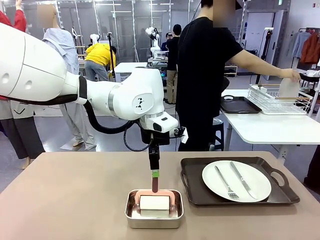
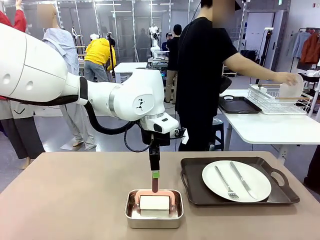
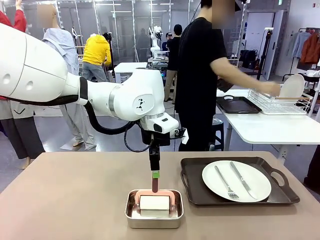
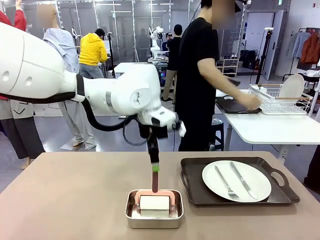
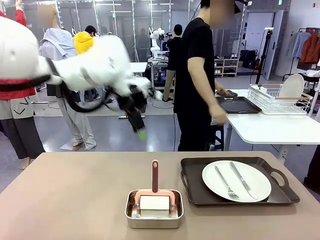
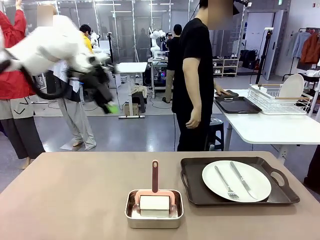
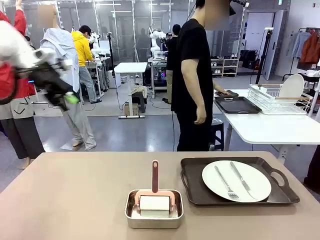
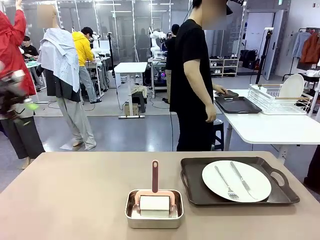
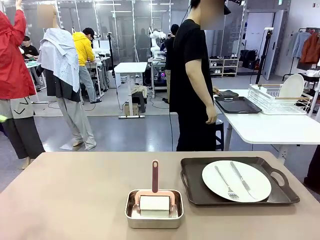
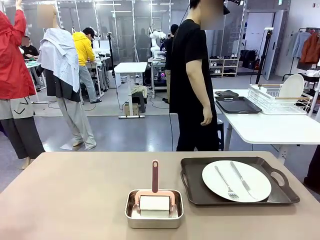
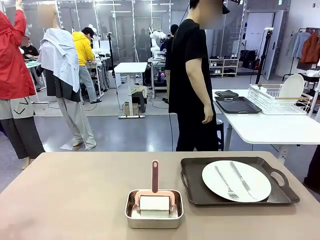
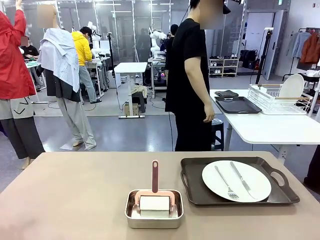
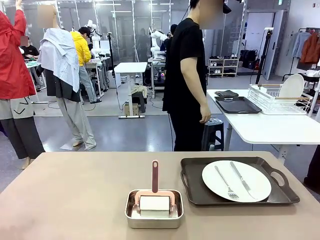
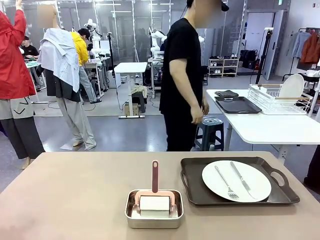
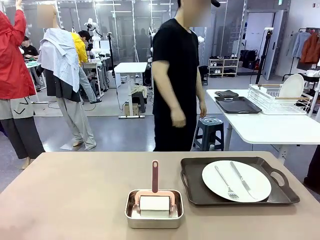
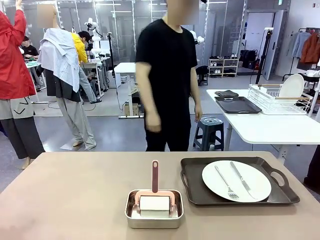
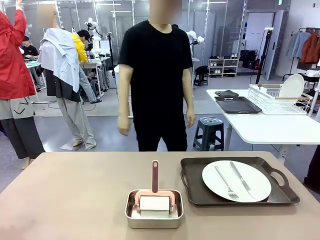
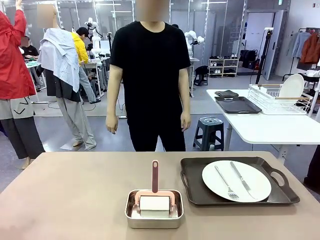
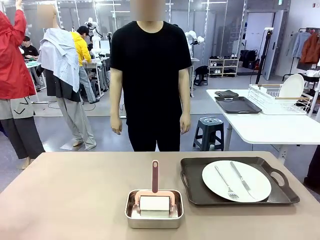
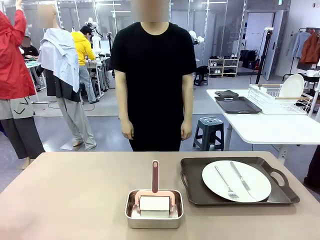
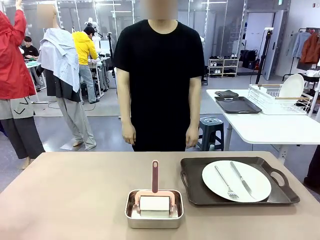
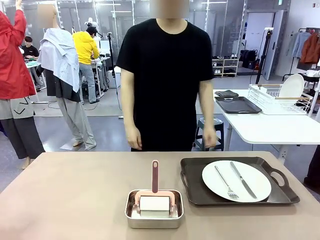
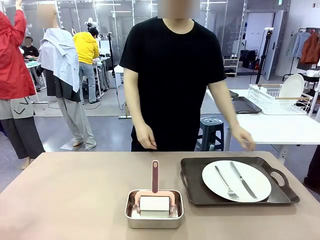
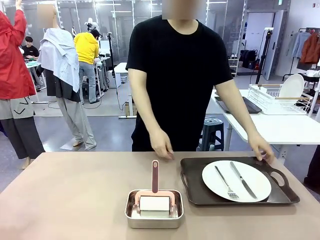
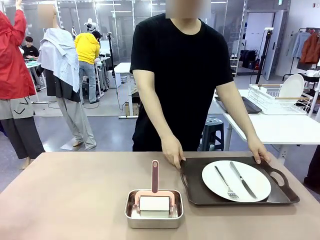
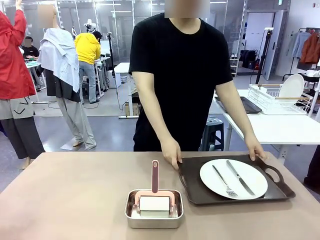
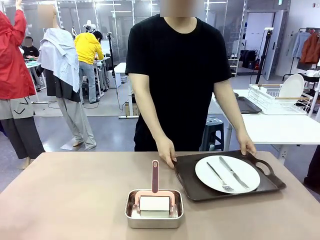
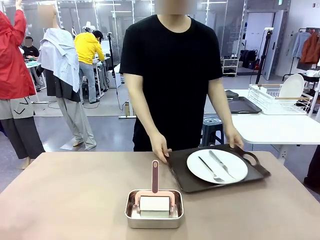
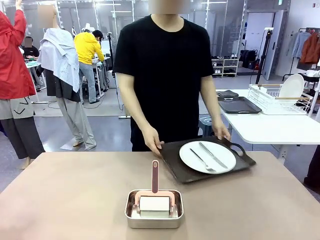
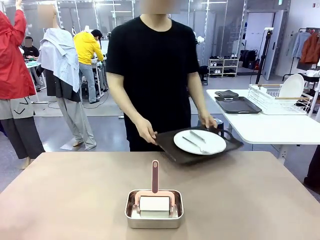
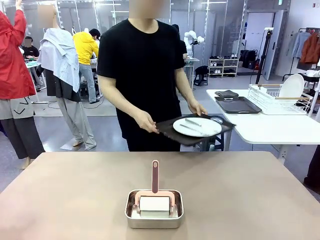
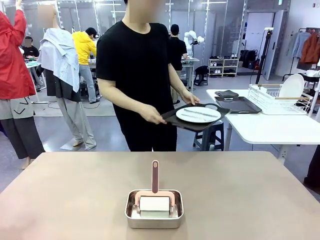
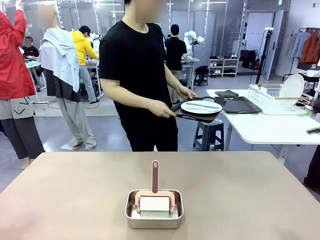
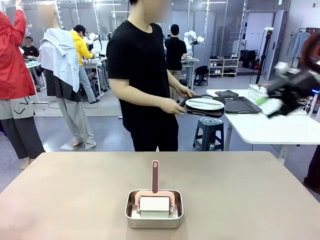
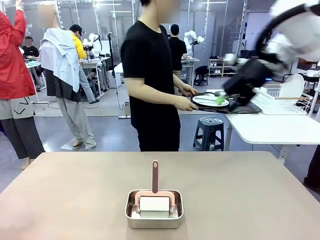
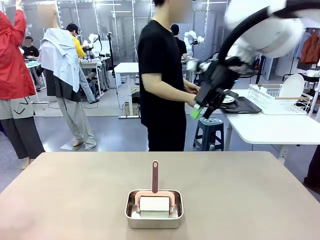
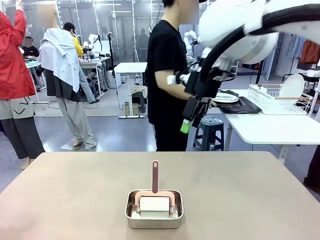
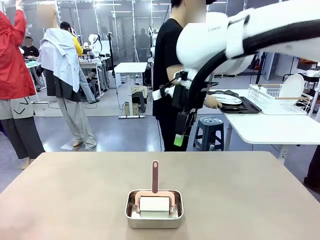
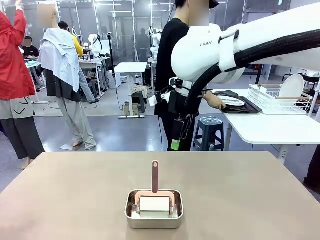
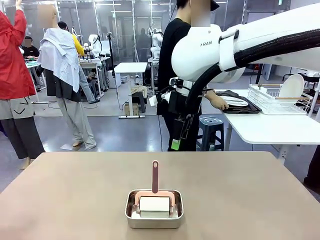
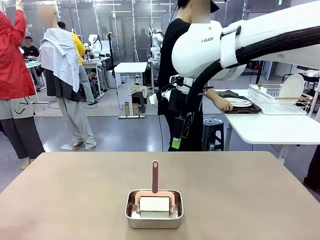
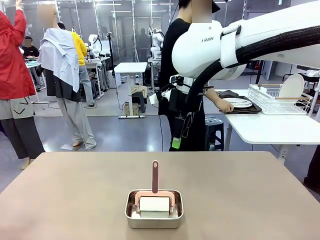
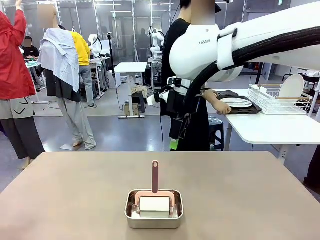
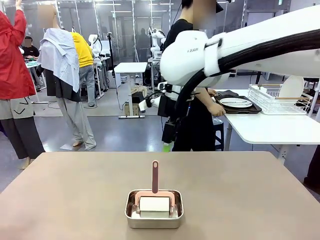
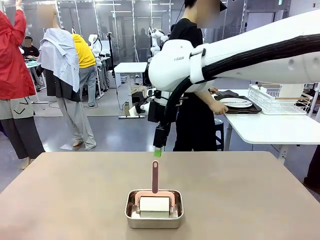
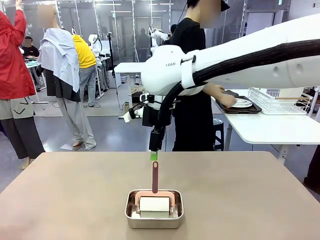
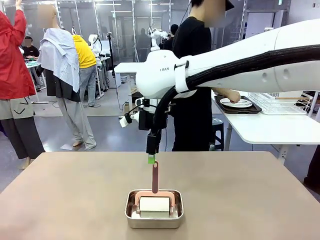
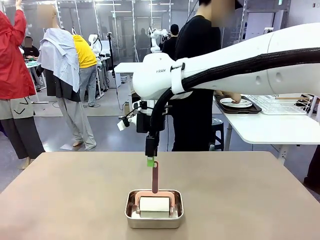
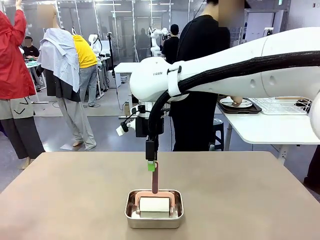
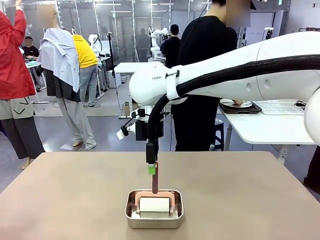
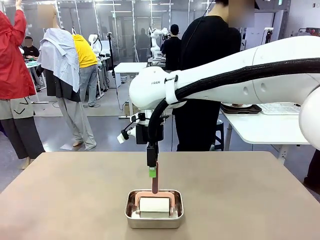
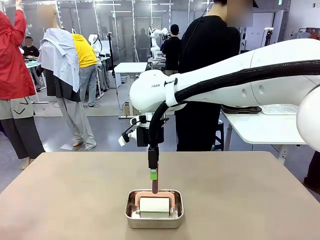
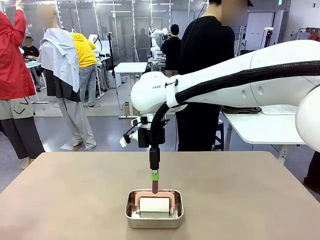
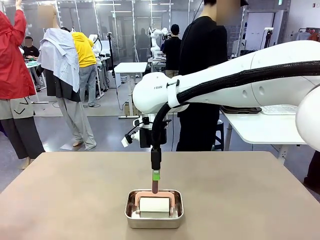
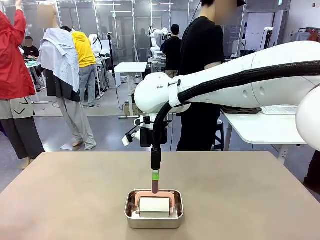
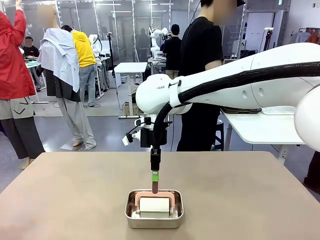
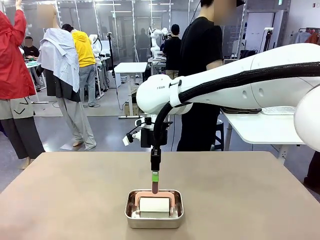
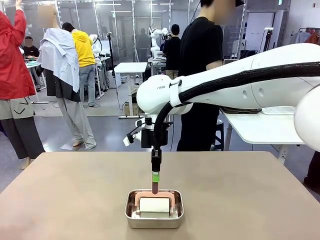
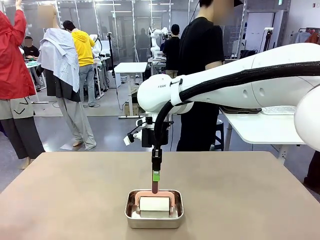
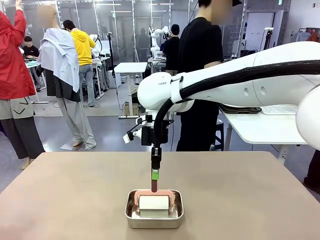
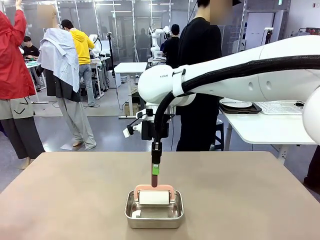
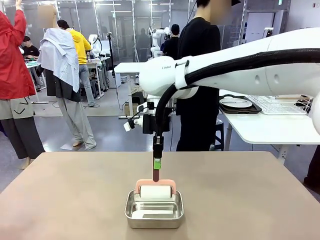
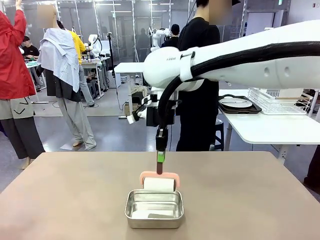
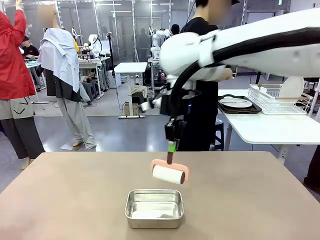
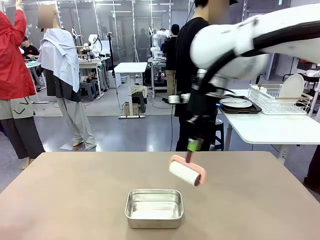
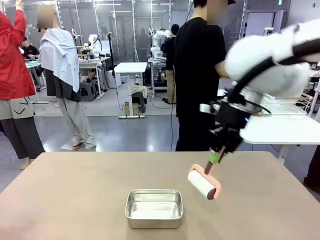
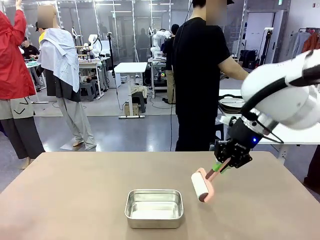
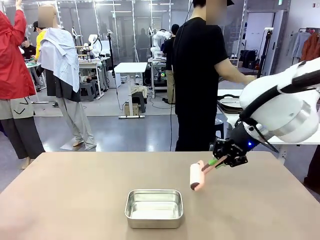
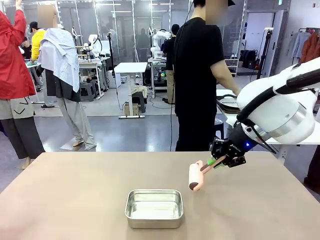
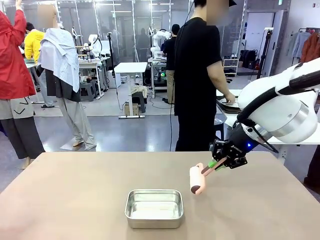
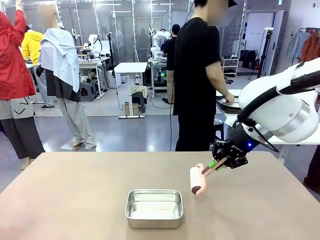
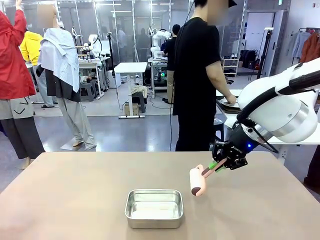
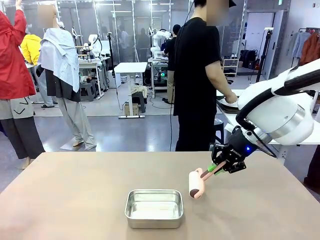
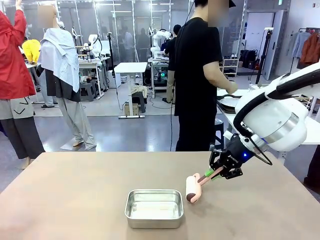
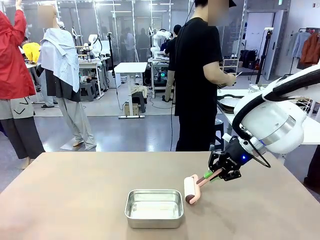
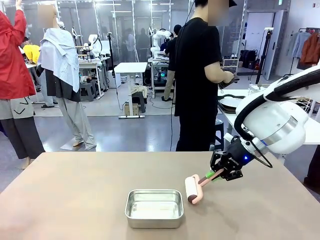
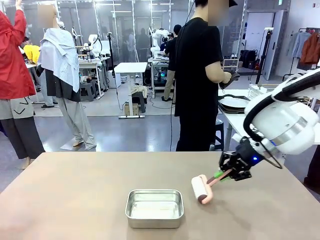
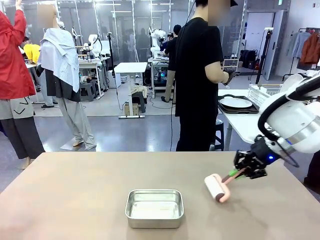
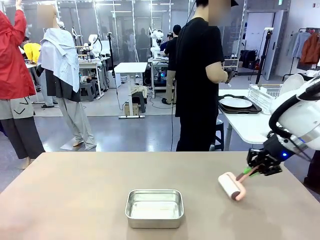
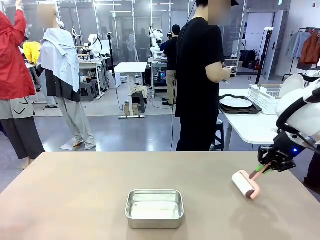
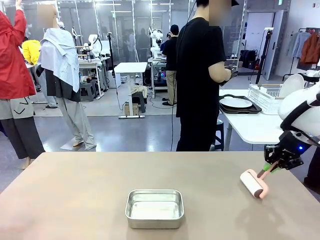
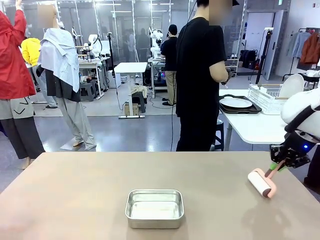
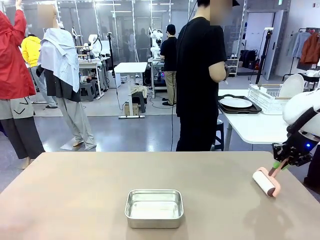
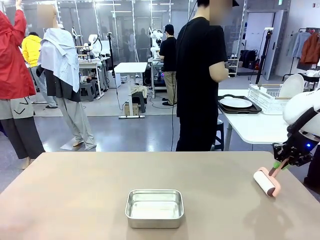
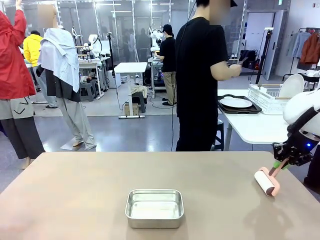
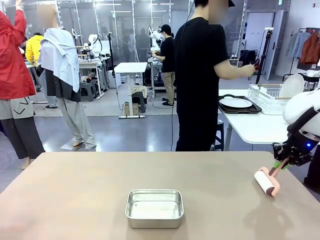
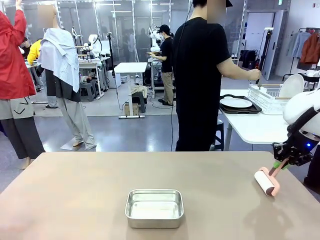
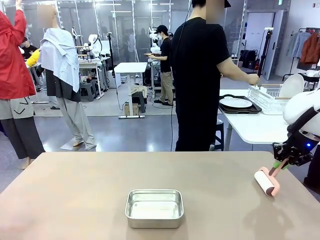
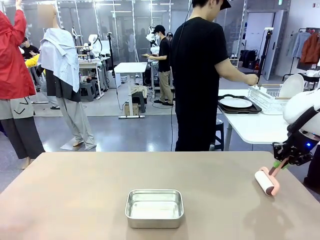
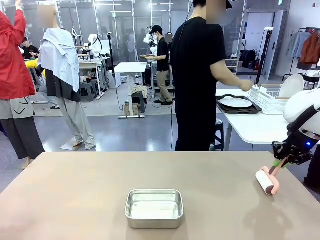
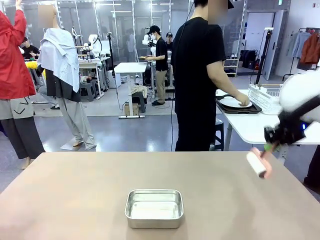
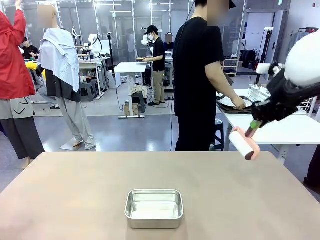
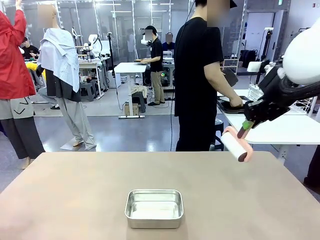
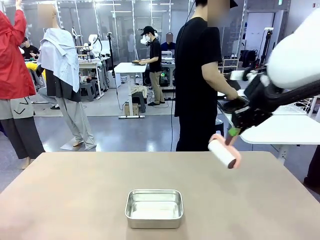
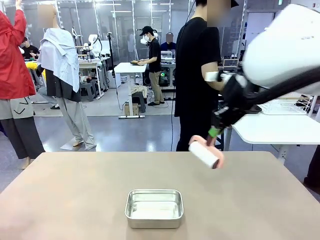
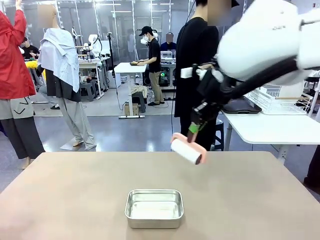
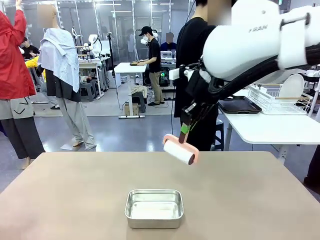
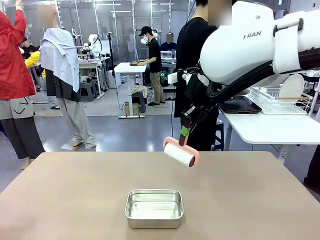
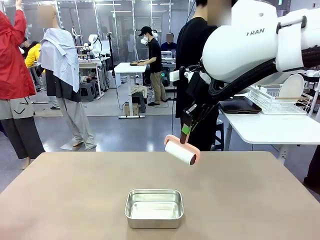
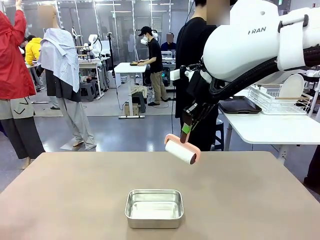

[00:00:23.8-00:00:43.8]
Robot: When the right (or left) Handle tray is removed, use the right hand (or left hand) to clean the right (or left) side of the table with the Lint Roller.
Person: Pick up the left (or right) Handle tray and place it on the Handle tray. Use the Towel with hook to wipe the Plastic Matte Plate , Fork , and Knife and place into the Dish drying rack.
